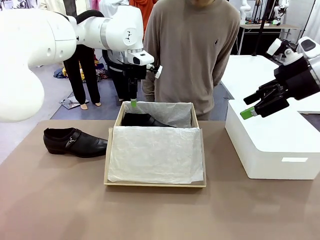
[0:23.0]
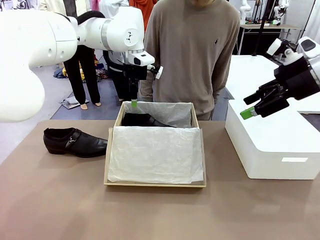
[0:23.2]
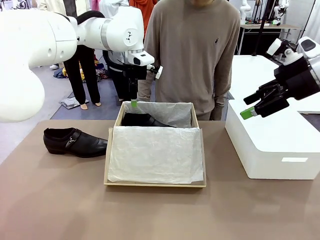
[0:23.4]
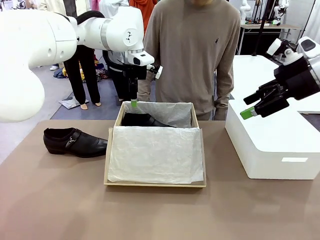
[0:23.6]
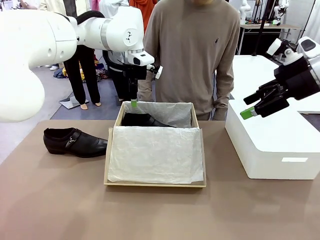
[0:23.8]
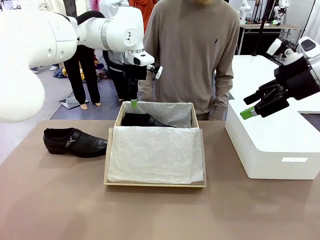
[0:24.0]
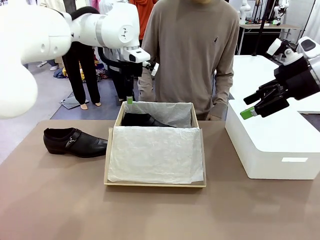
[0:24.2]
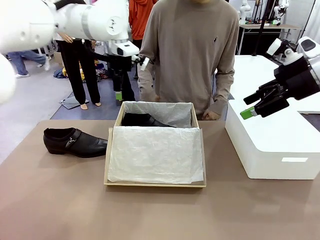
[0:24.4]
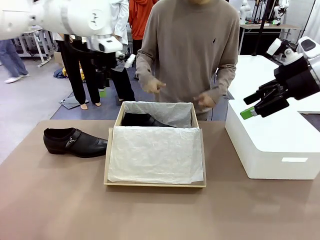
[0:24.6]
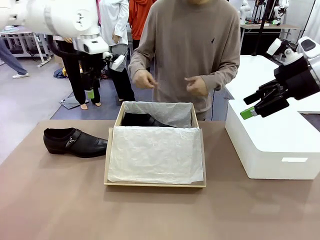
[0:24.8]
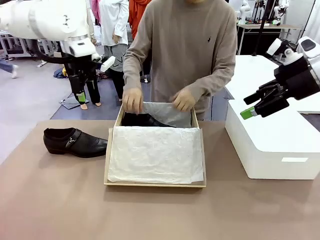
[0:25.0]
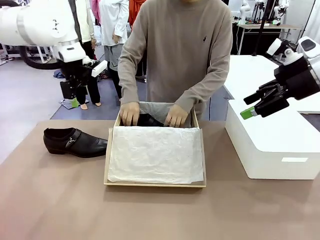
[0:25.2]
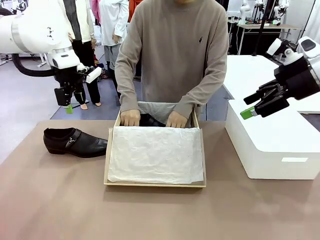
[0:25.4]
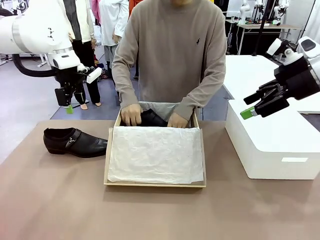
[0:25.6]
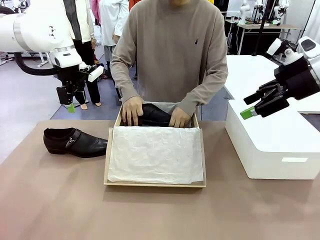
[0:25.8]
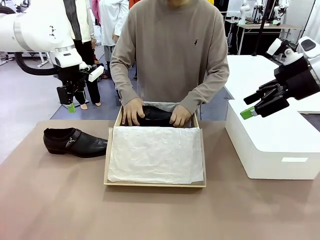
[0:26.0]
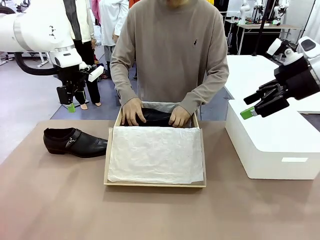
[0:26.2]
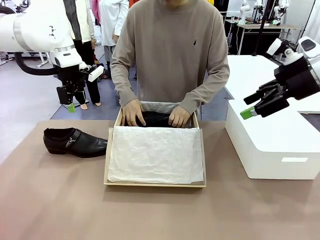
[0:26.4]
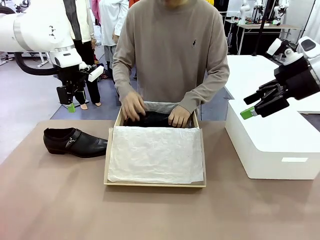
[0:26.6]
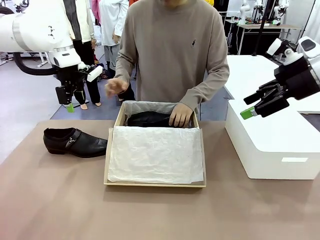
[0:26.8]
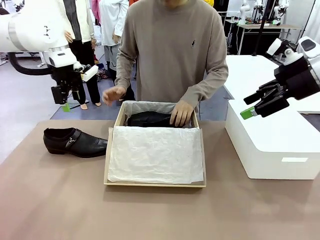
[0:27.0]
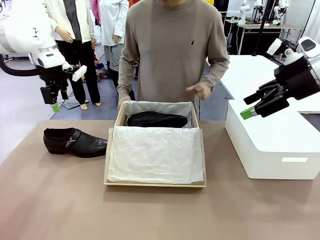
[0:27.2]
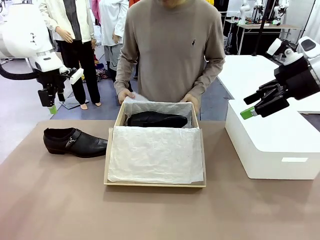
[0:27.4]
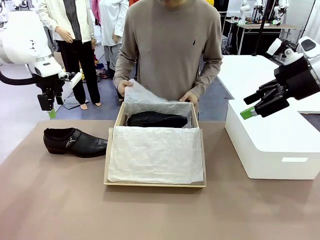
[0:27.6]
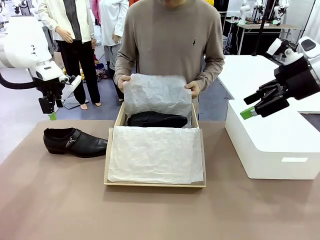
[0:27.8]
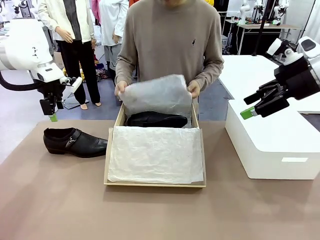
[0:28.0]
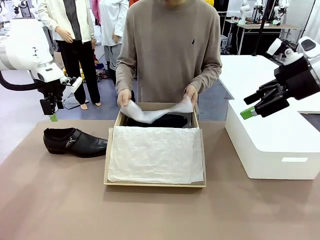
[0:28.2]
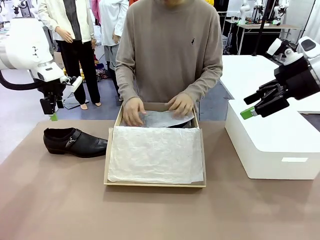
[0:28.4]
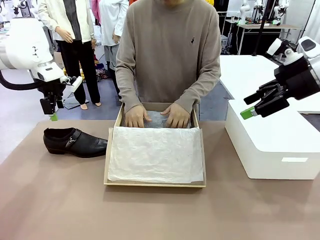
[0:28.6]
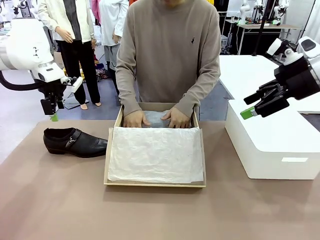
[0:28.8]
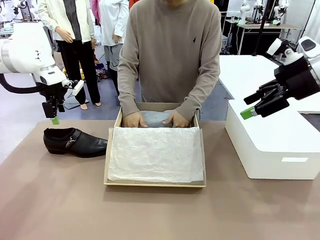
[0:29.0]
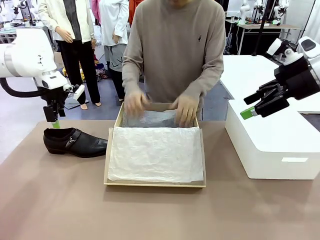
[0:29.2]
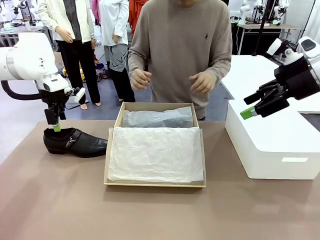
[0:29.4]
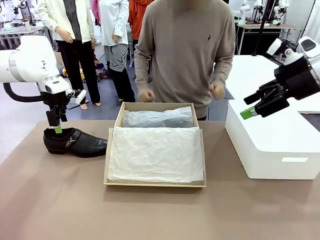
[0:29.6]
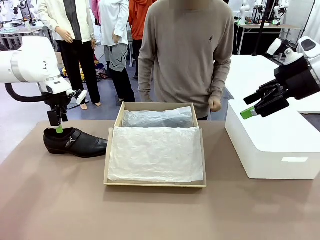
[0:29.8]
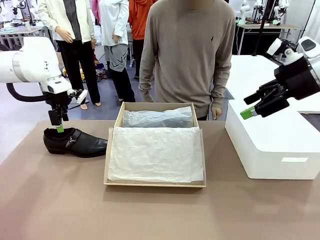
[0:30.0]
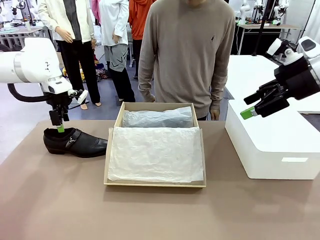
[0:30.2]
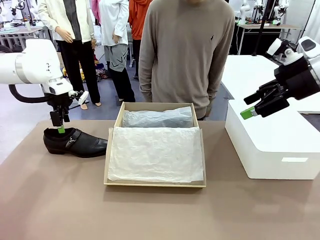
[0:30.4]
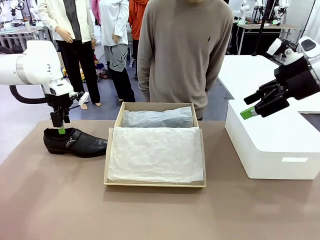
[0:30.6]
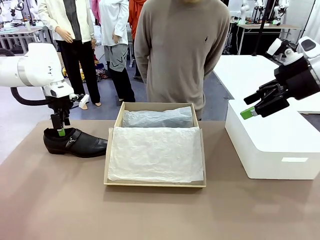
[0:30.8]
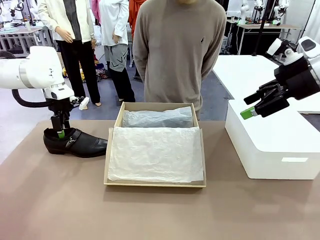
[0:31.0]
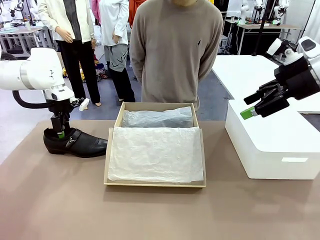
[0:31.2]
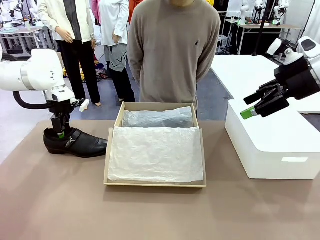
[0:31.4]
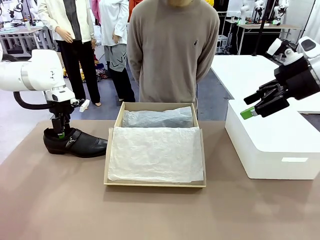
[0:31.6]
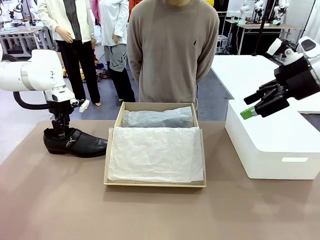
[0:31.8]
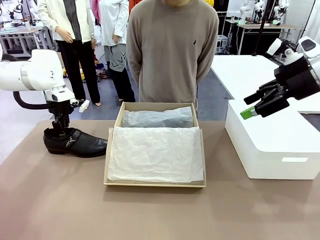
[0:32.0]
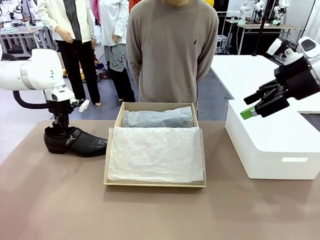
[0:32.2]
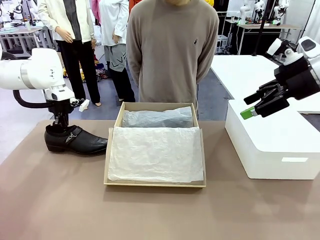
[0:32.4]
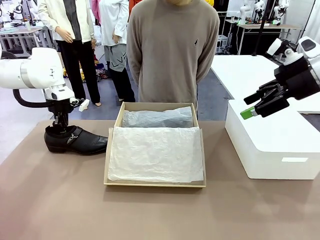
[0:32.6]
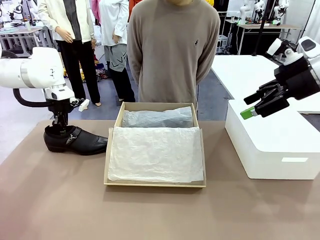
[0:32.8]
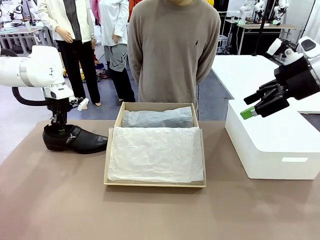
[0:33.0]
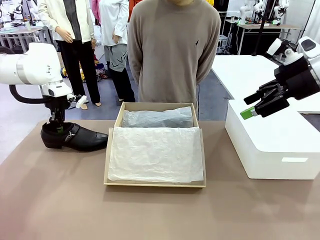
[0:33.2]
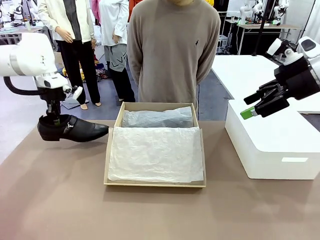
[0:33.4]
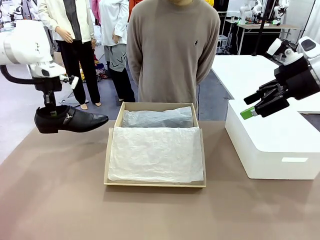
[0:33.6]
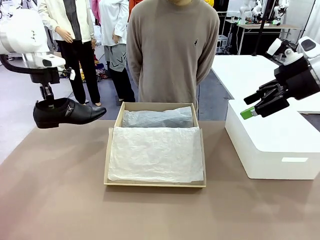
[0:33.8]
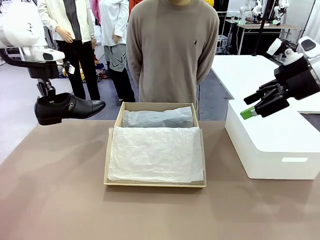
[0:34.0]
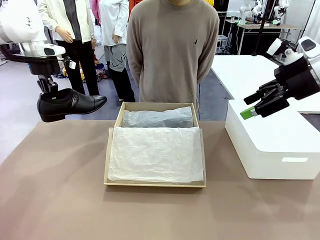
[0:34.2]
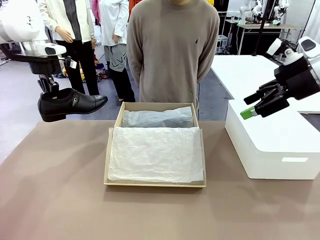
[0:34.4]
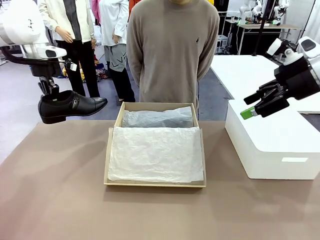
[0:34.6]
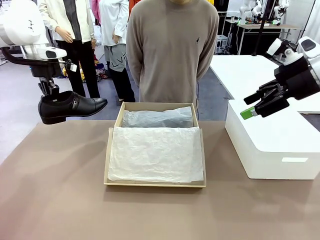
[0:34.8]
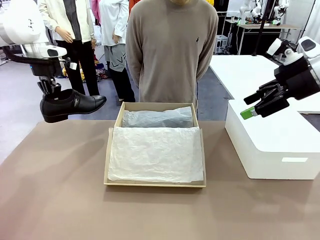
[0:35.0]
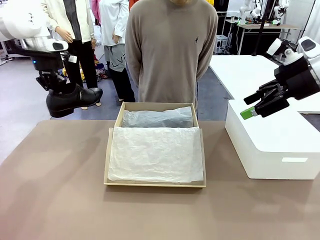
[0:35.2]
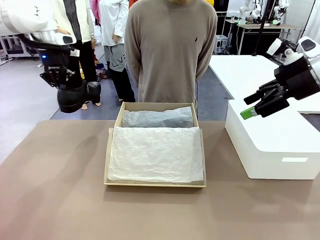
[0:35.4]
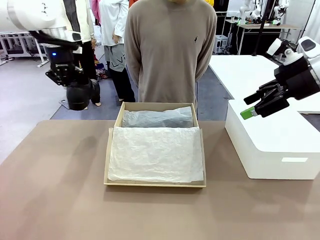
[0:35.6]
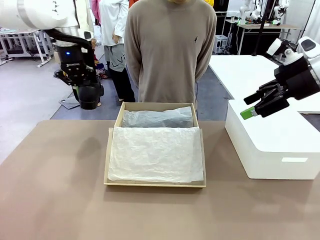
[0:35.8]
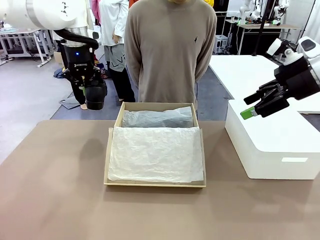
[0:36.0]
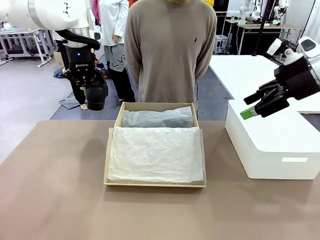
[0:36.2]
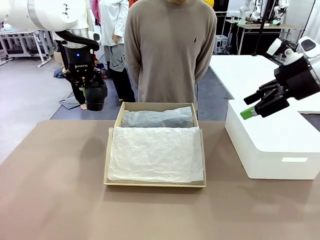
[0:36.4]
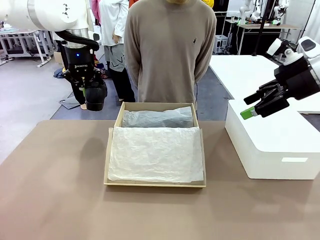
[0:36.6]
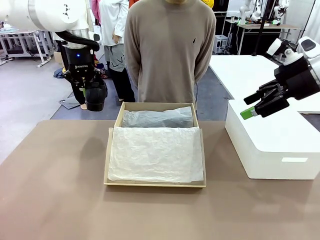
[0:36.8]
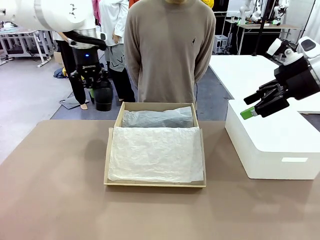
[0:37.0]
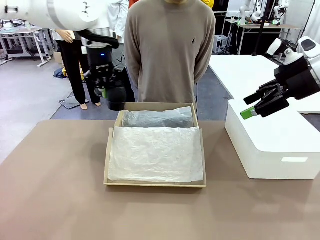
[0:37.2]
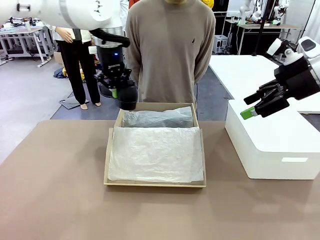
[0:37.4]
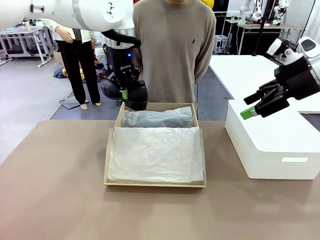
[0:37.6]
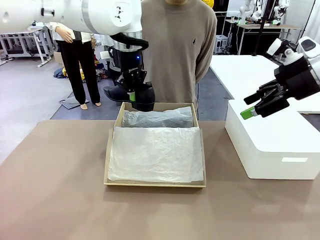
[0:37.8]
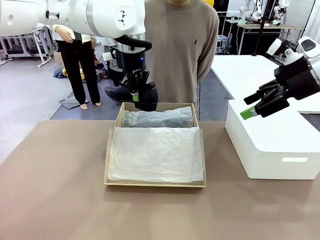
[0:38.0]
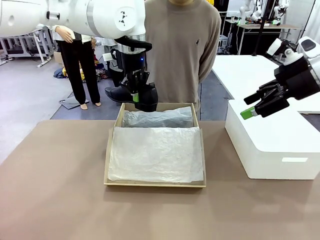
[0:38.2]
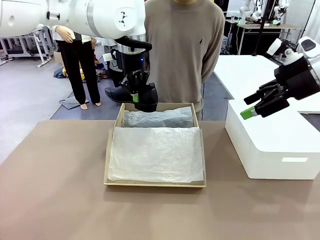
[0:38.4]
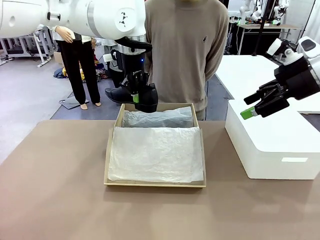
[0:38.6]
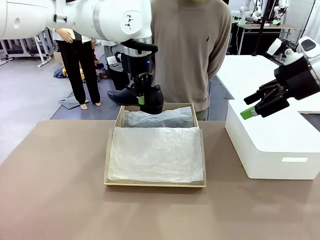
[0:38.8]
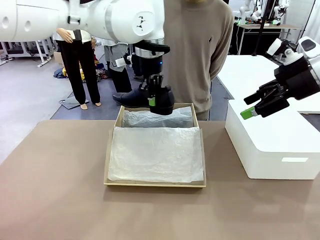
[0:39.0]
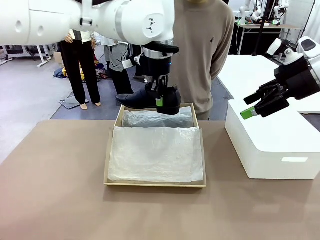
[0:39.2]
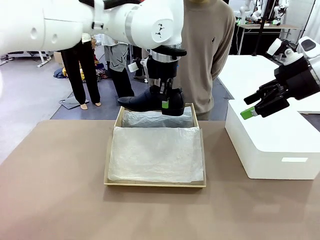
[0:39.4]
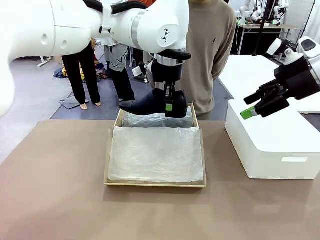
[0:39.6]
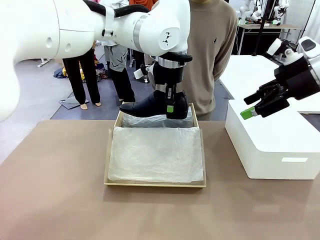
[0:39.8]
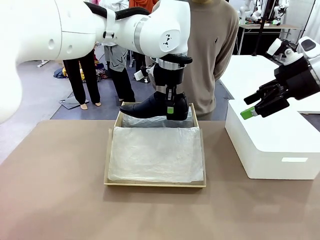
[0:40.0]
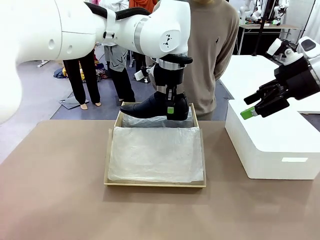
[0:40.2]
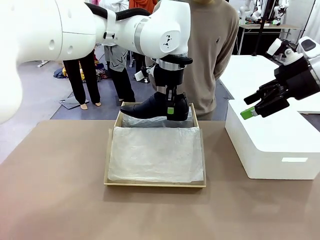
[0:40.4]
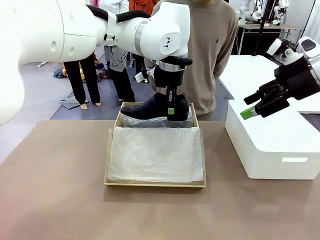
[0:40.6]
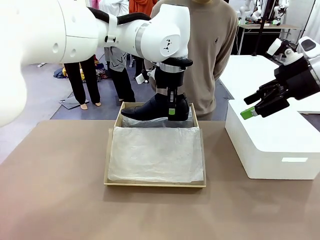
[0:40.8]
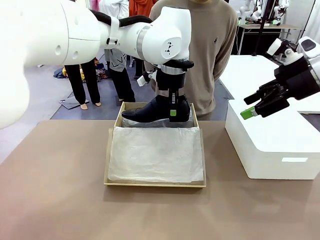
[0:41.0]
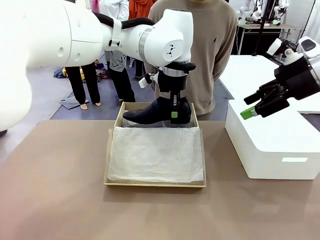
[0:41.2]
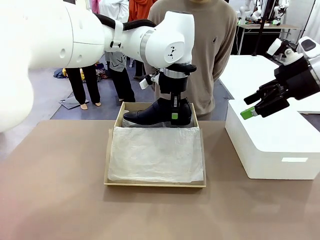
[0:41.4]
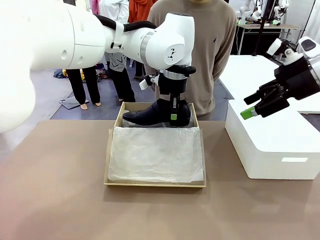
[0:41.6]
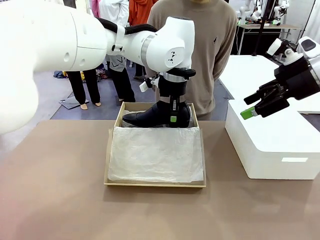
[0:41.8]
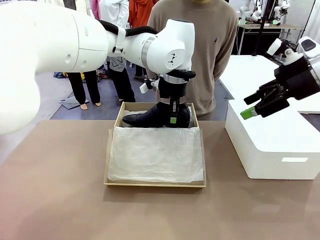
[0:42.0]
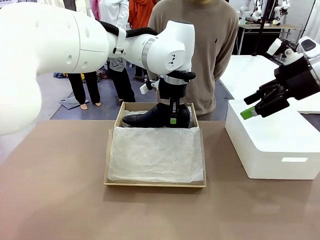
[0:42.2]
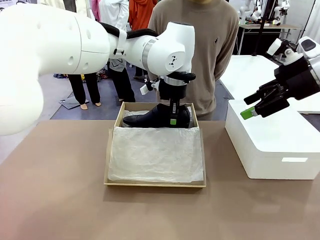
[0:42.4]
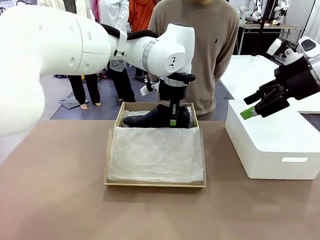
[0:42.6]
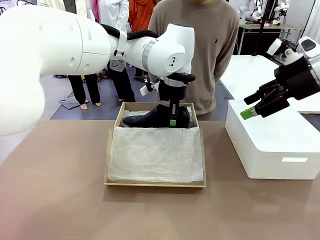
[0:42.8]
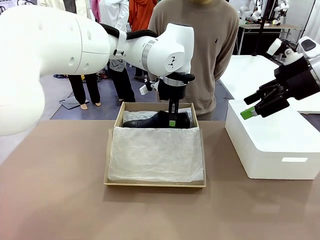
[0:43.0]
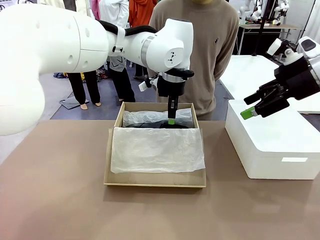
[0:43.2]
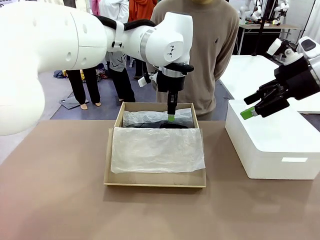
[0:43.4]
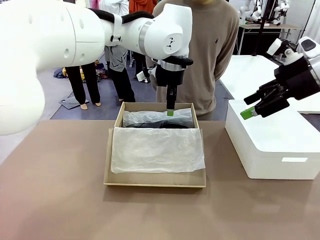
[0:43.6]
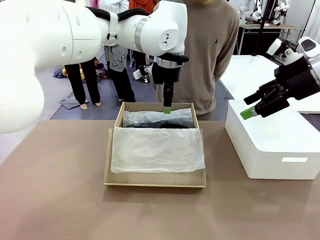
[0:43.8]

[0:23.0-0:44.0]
Task: Pack the shoes into the box.
Robot: Place the other shoe of the Shoes into the Shoes Box.
Person: Pack a shoe of Shoes inside the Shoes Box with Shoes Wrapping Paper.
